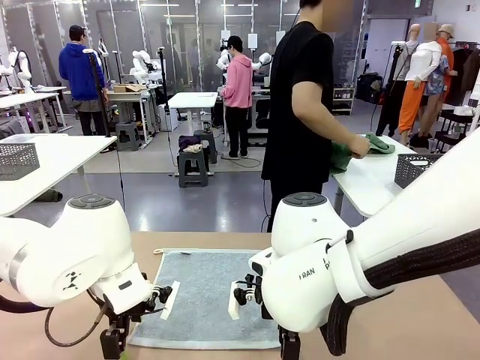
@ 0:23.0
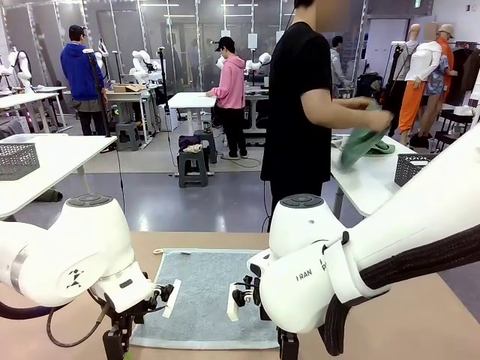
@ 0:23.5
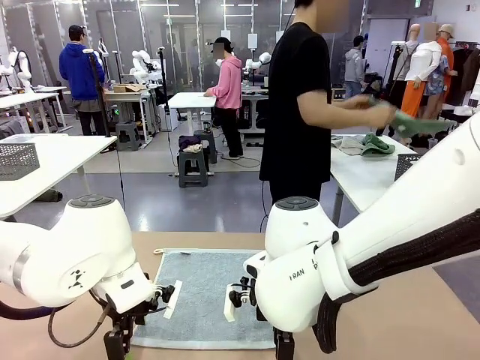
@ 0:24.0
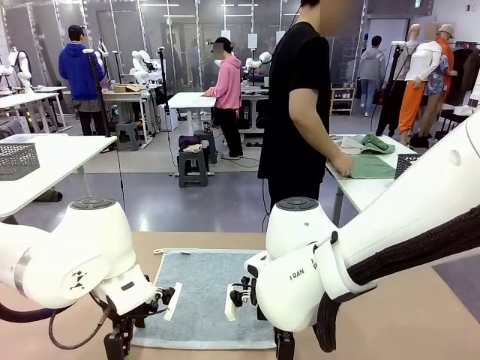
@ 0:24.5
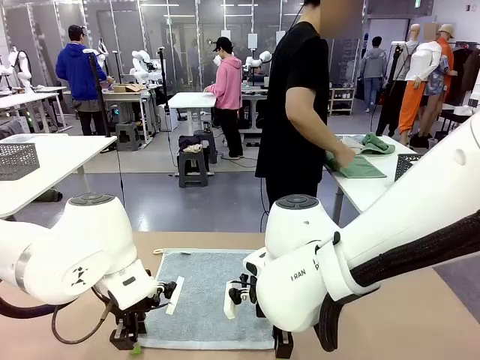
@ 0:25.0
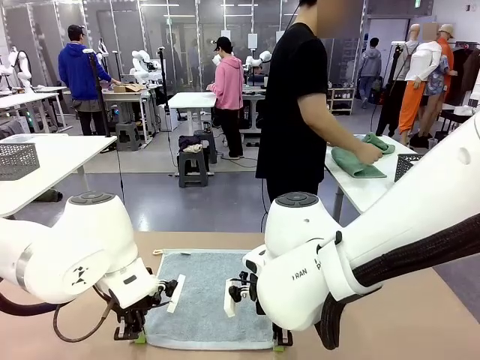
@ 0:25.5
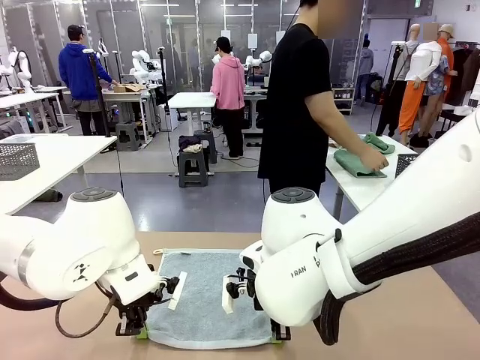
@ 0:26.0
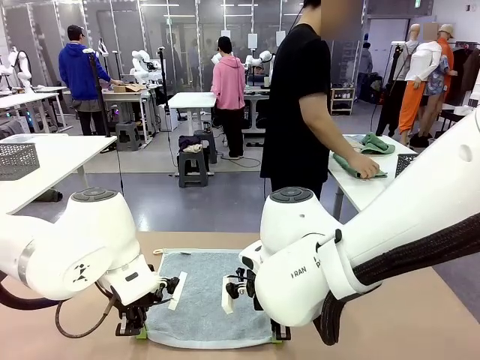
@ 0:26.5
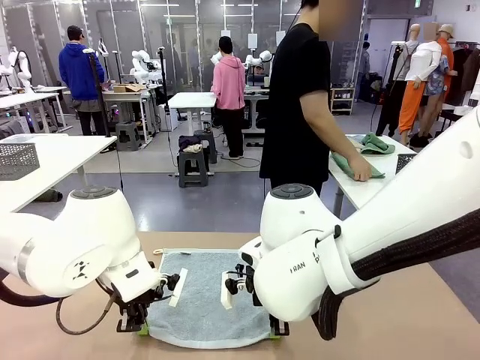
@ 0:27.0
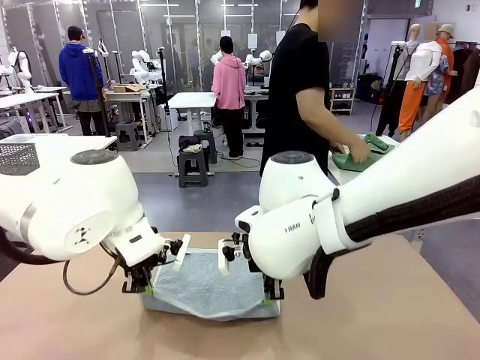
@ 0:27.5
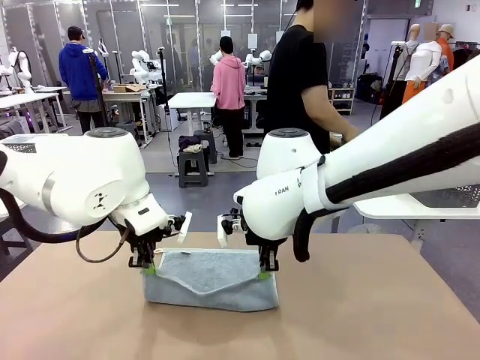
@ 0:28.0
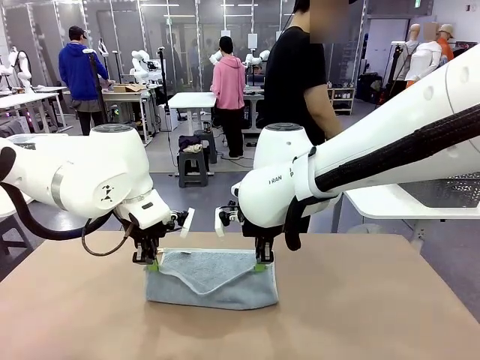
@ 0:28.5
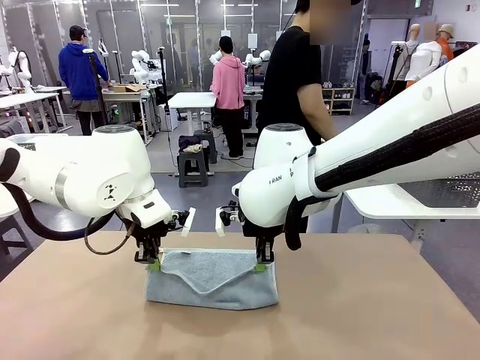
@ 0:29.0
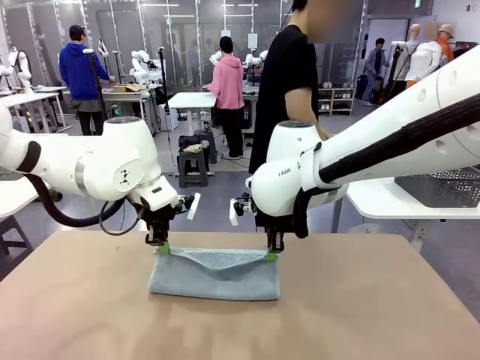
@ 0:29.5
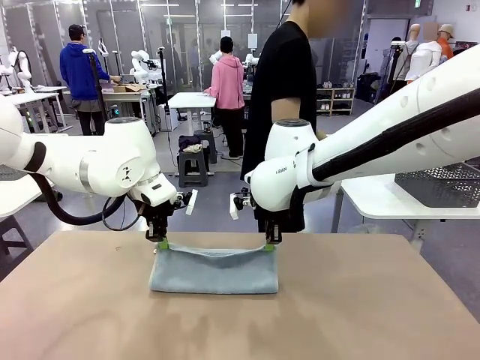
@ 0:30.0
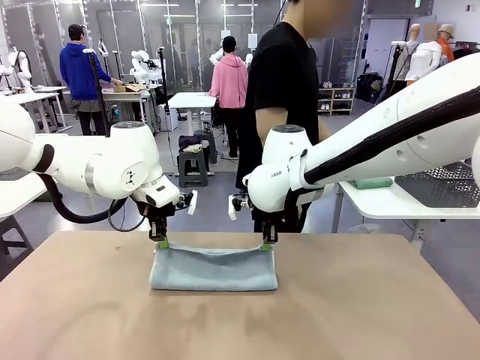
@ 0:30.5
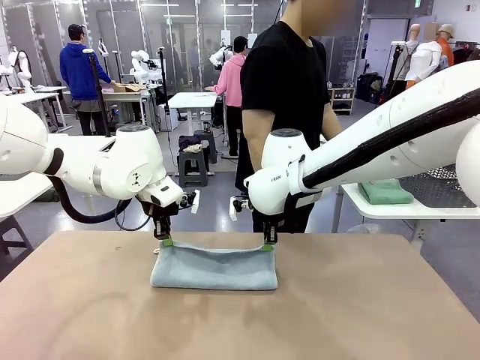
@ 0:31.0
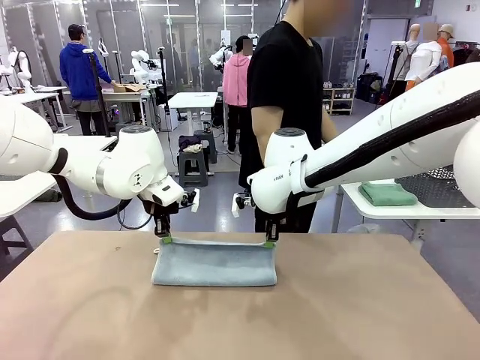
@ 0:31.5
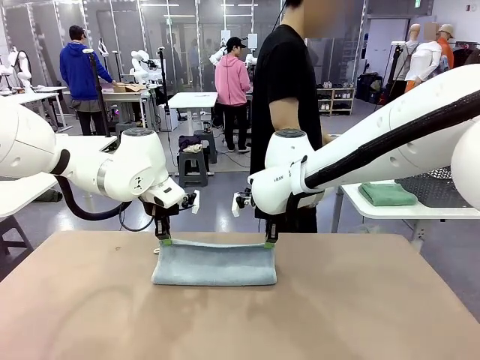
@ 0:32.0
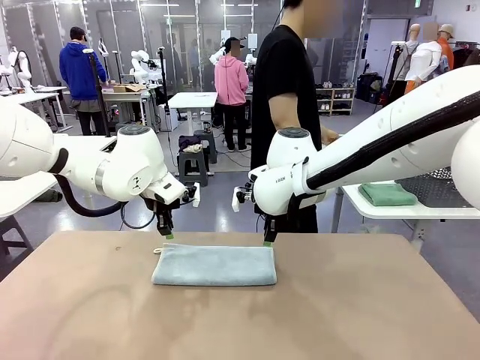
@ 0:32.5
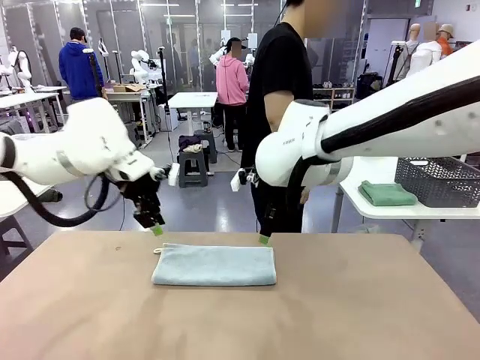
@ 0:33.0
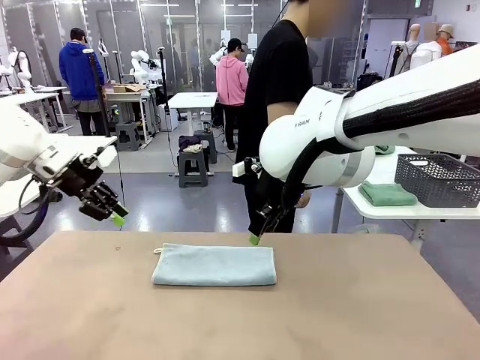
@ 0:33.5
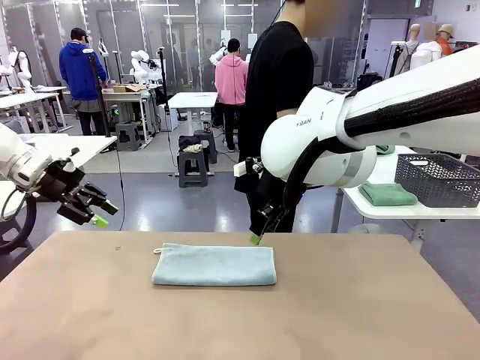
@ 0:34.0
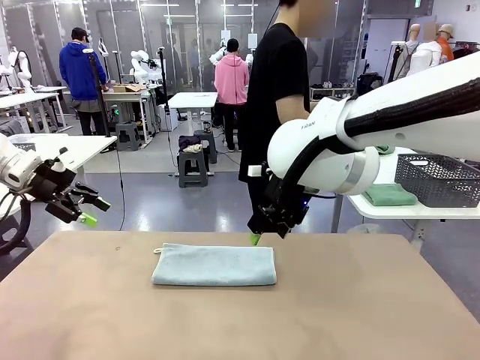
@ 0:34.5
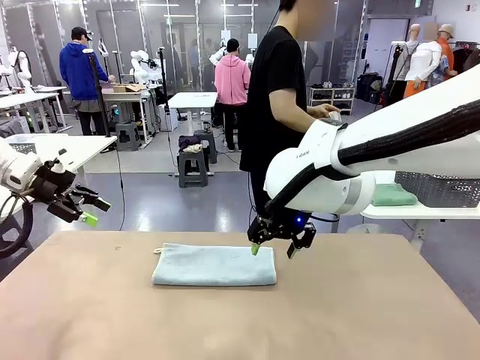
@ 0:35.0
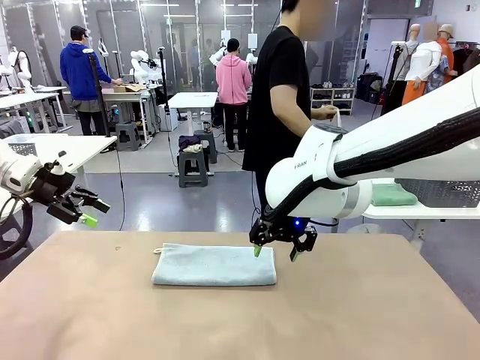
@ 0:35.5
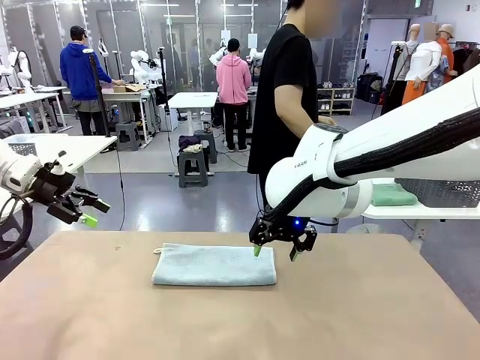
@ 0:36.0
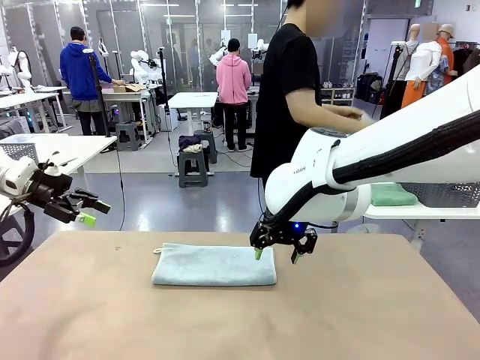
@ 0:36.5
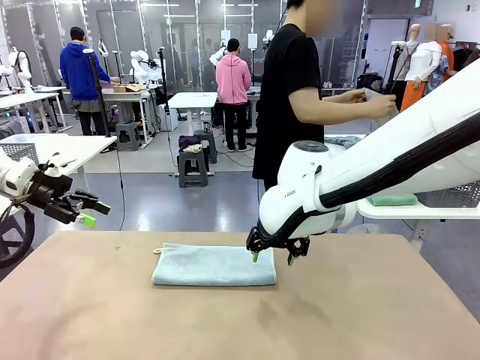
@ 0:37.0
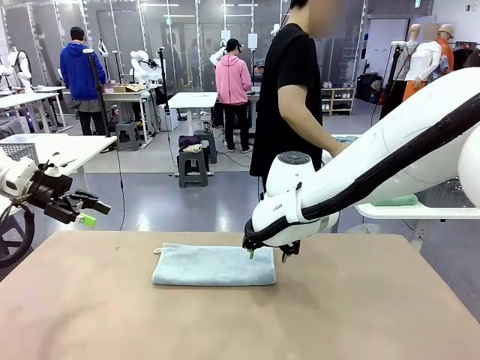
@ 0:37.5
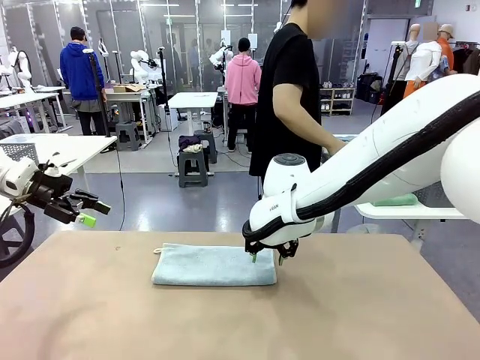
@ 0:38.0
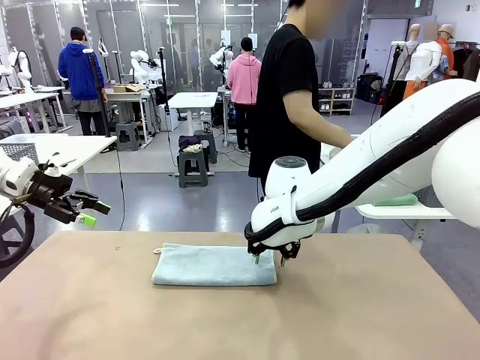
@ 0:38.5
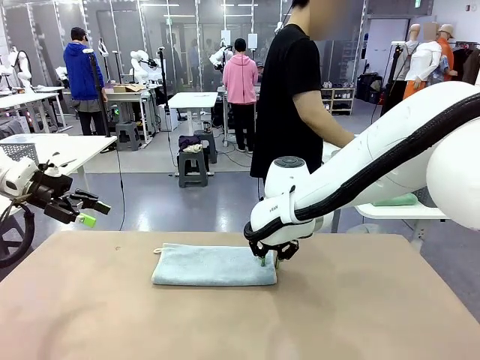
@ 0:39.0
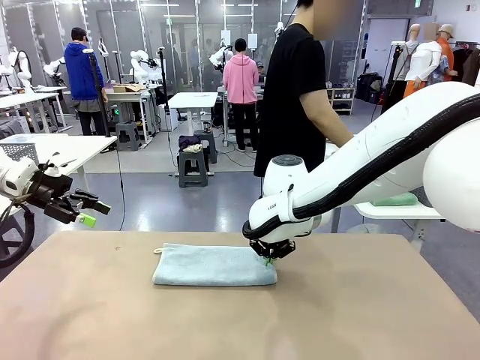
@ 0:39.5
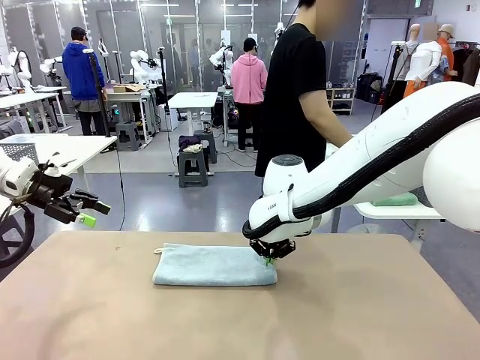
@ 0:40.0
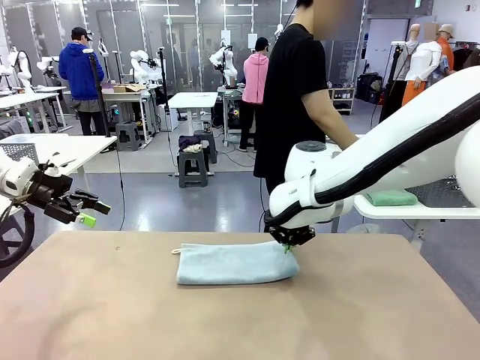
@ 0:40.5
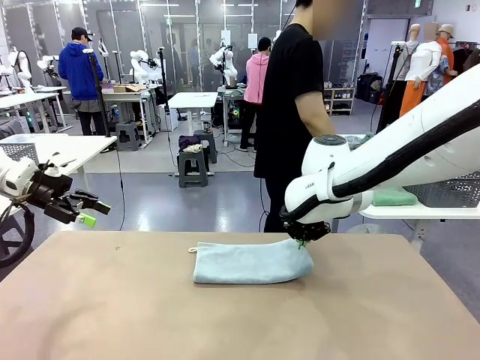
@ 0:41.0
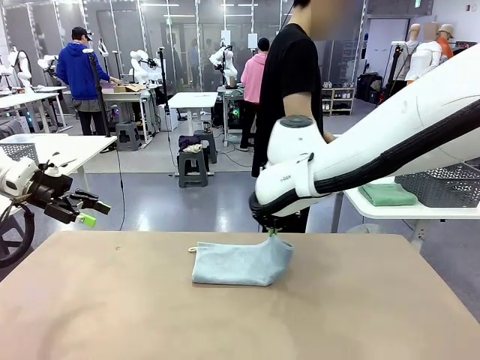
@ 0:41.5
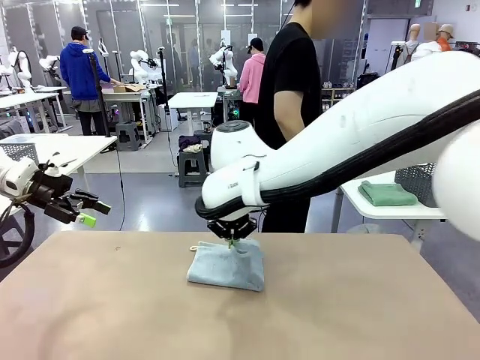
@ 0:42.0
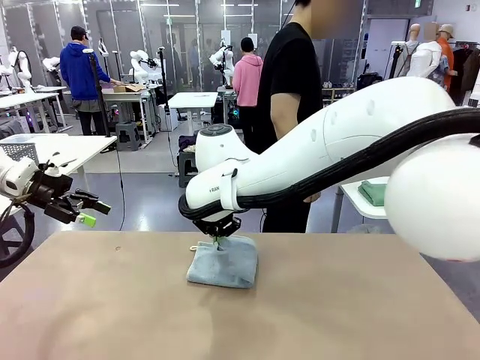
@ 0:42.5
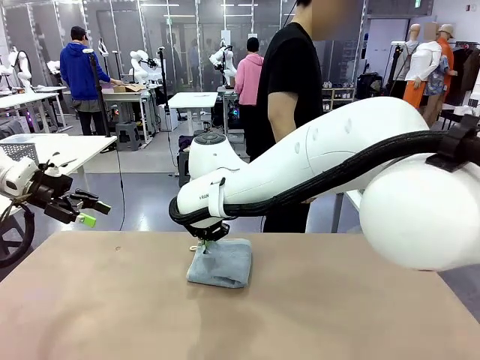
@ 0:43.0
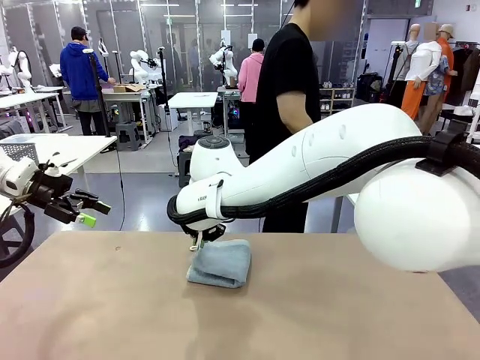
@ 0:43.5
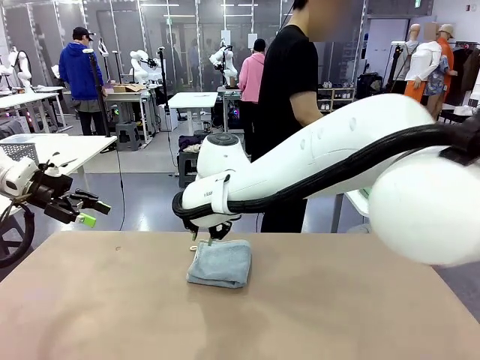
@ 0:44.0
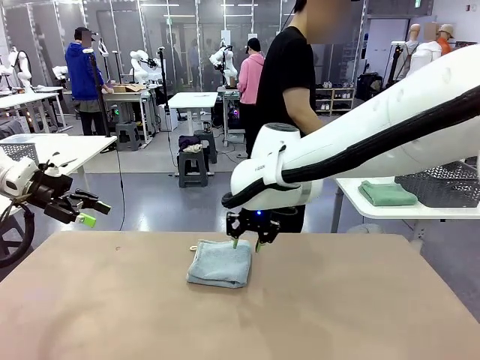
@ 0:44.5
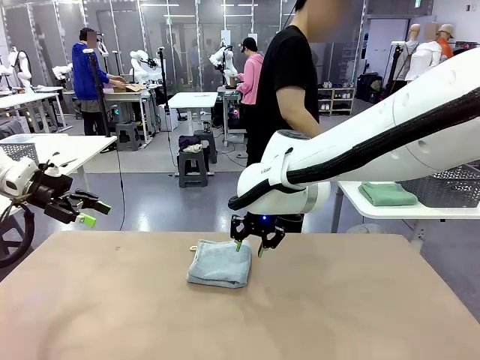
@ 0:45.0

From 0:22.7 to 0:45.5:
Task: Fold the towels and place them in the basket.
Robot: When a person lays out a Towel with hook on the table, fold it in half twice.
Person: Pick up one towel from the left side of the human table, fold it in half twice, and place it on the right side of the table. Pick up one towel from the left side of the human table, fold it in half twice, and stack it on the right side of the table.
